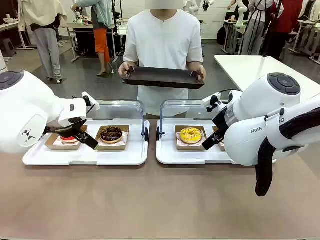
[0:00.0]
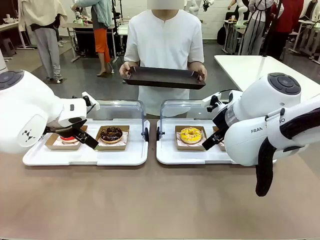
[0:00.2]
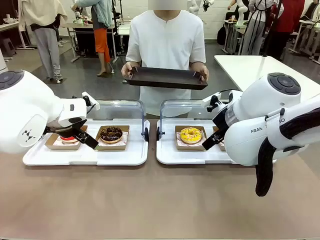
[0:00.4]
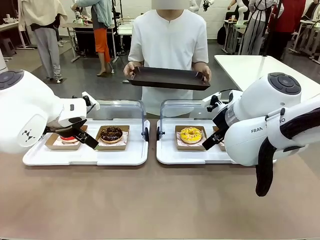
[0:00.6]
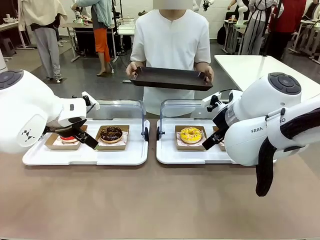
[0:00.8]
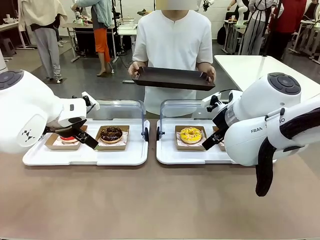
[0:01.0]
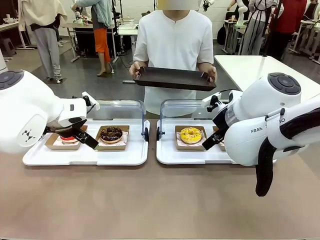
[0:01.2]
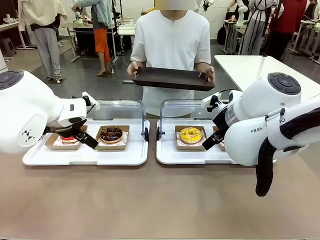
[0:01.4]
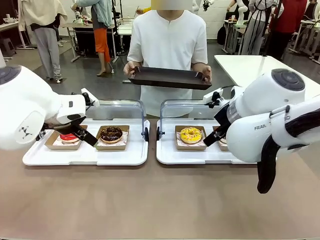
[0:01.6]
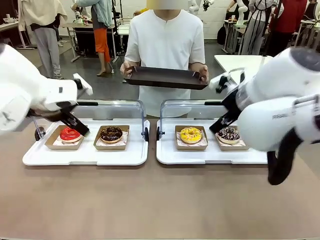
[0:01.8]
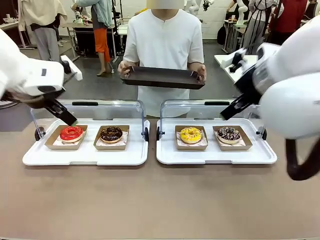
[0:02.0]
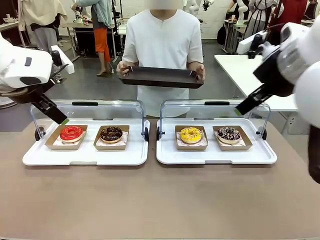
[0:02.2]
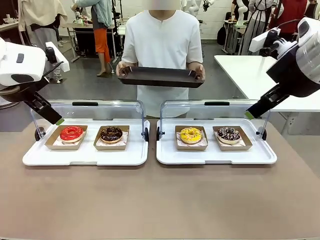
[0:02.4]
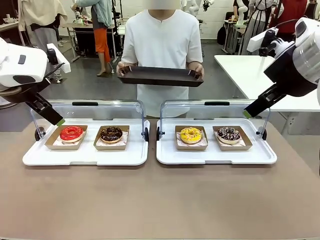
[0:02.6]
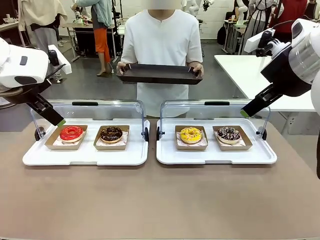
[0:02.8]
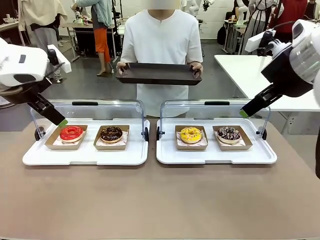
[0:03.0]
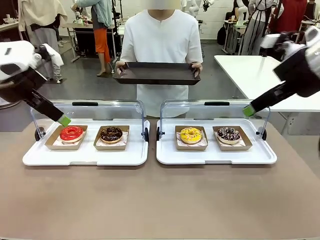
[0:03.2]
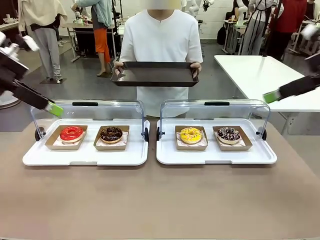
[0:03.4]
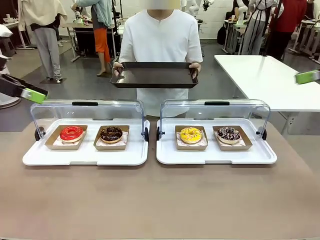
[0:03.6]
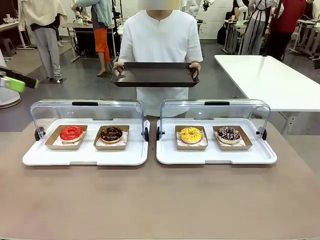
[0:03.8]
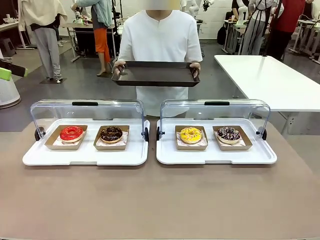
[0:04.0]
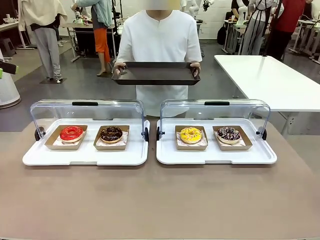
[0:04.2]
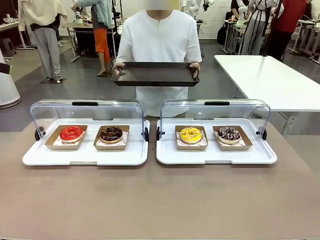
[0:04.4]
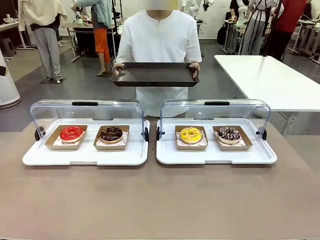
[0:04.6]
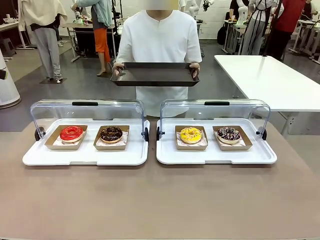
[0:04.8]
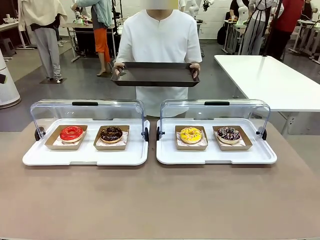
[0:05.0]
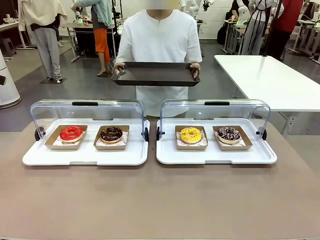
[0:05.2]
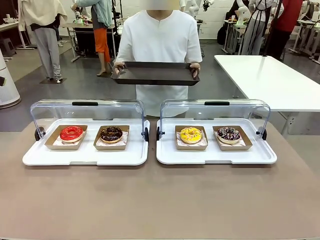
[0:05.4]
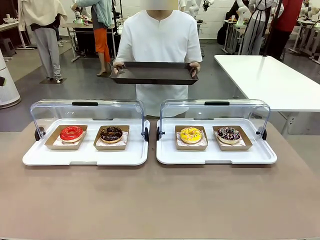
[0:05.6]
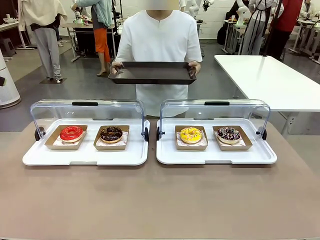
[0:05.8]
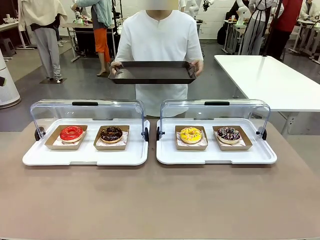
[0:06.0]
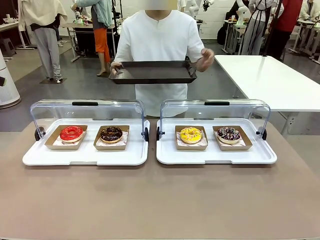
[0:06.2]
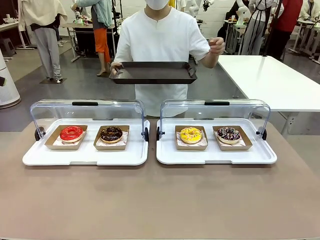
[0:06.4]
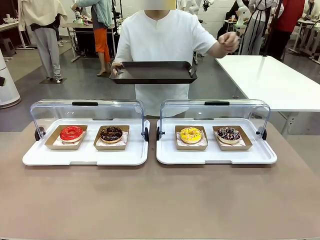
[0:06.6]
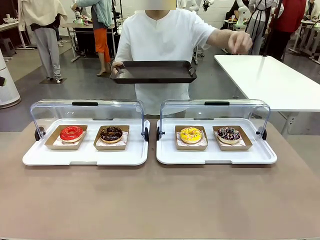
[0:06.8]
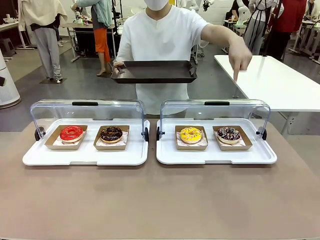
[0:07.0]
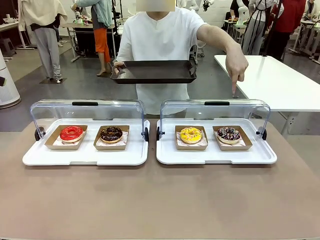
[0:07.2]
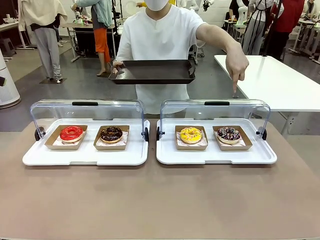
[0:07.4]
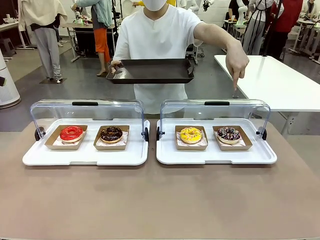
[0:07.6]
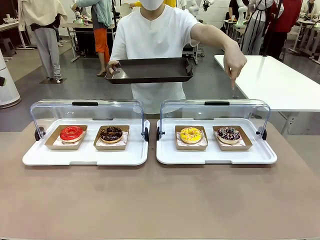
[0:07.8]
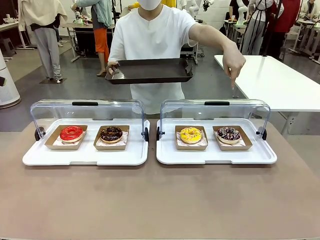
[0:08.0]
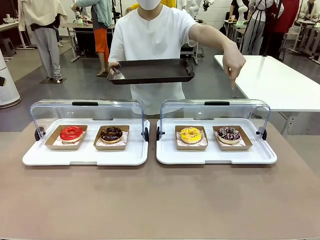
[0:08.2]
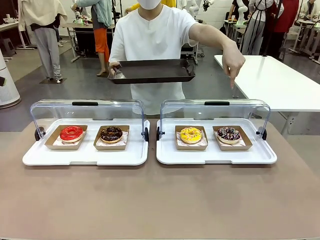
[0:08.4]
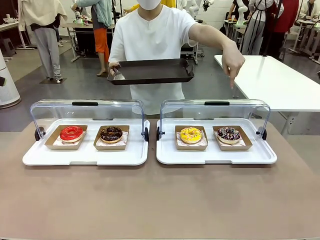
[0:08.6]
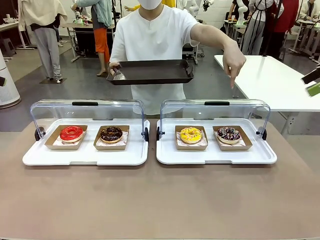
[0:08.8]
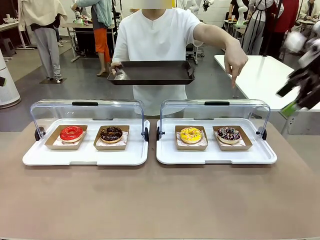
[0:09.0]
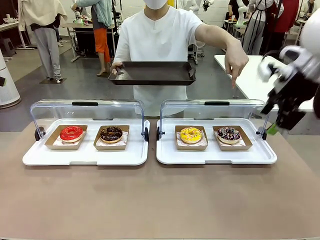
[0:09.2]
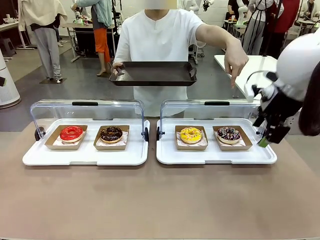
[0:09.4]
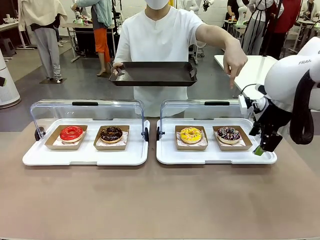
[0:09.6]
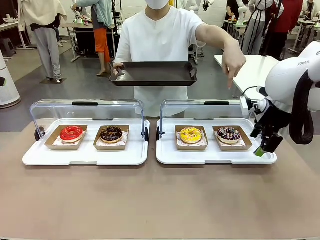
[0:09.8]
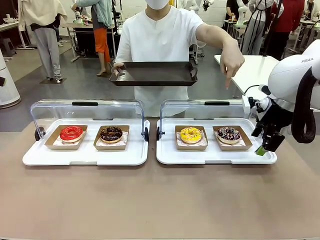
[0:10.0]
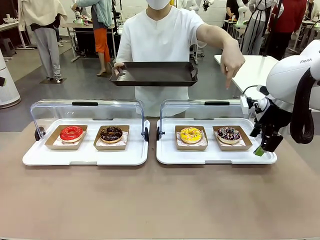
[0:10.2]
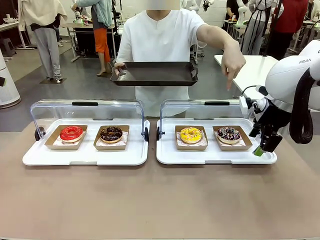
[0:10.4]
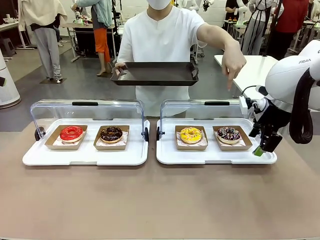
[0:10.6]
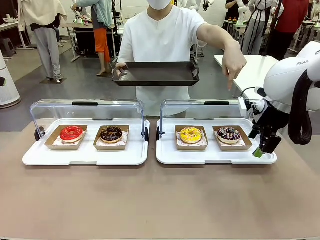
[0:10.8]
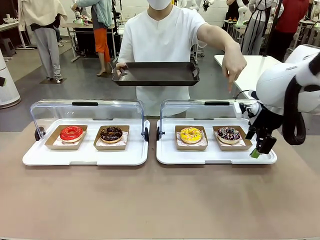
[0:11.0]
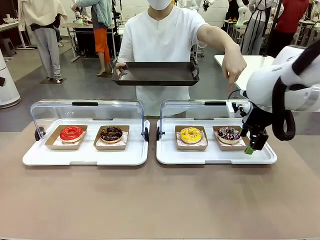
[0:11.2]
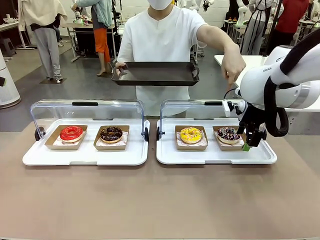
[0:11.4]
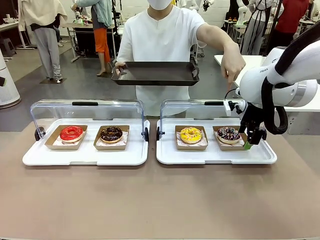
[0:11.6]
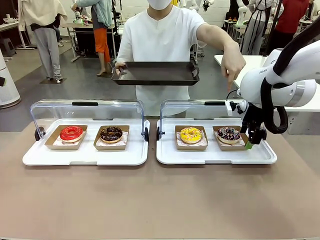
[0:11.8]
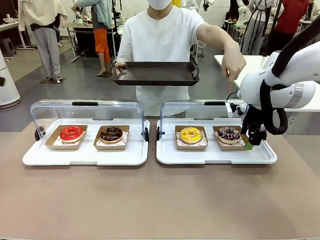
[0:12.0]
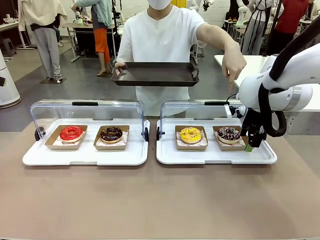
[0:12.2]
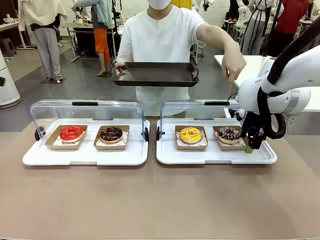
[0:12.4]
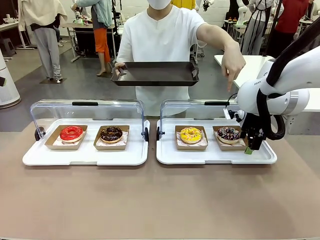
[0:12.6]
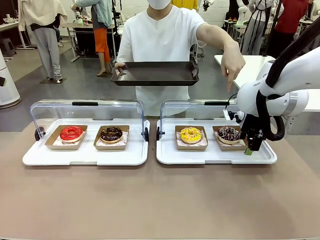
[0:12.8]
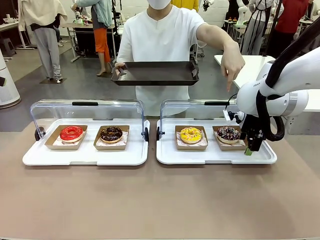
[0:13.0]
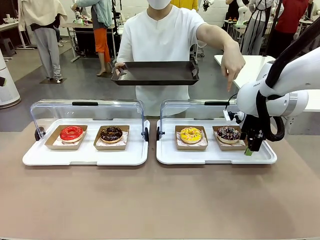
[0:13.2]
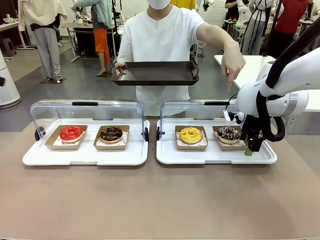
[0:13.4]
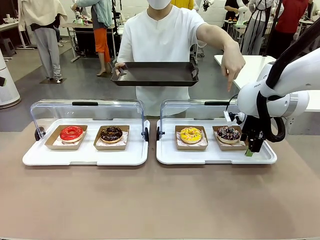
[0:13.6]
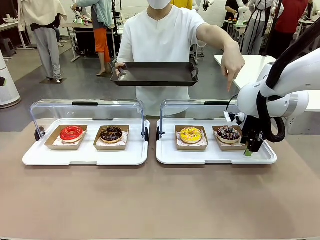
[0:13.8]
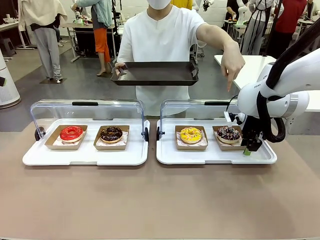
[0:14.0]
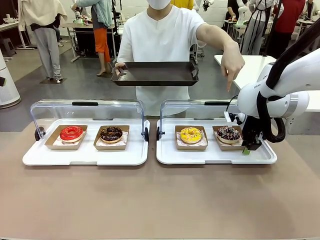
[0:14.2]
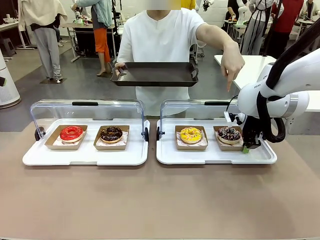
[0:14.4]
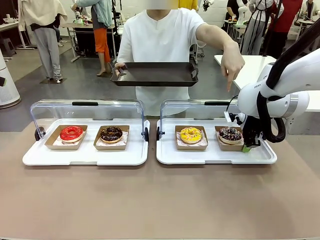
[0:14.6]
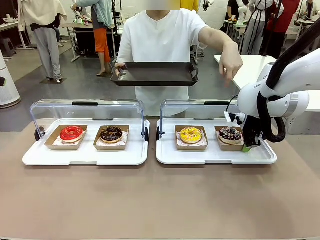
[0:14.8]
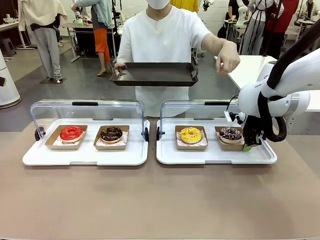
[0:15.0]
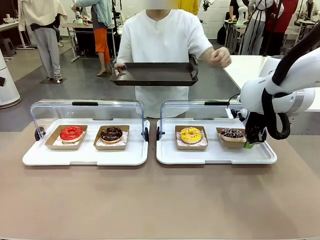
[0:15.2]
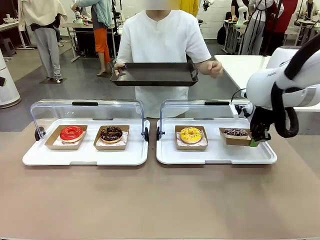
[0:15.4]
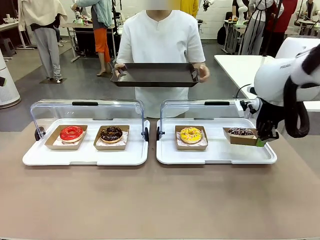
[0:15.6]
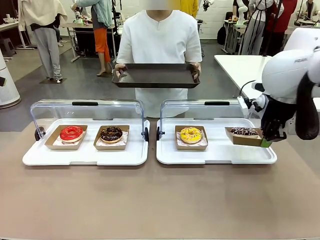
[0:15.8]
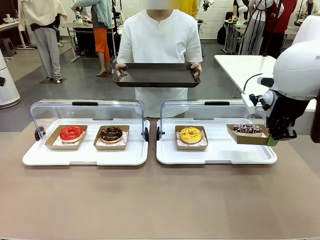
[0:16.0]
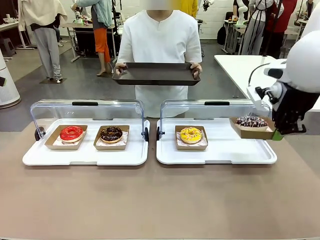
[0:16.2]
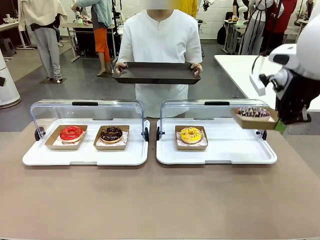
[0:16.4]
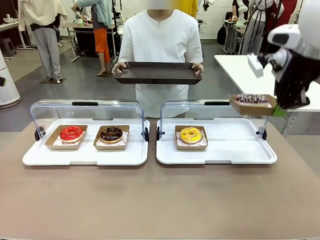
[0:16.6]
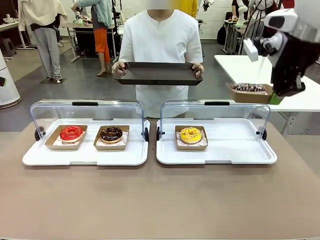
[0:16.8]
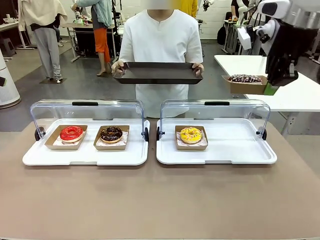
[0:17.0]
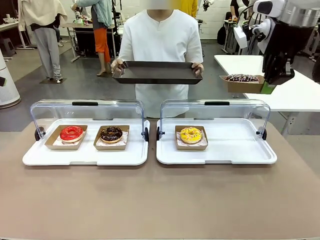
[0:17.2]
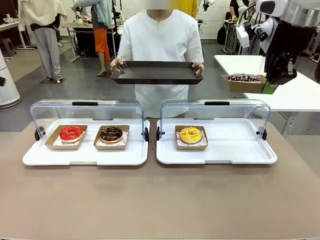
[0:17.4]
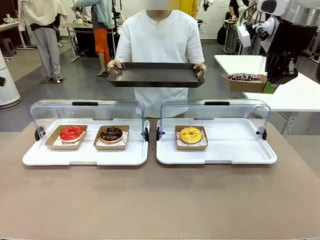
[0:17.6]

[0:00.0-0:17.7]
Task: Provide the desired donut to the person.
Robot: Pick up and lift the Paper togo box containing the Donut pointed at by the person.
Person: Point to one donut. Lift the tray onto the Roll-Top Bakery Case.

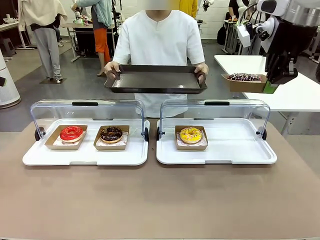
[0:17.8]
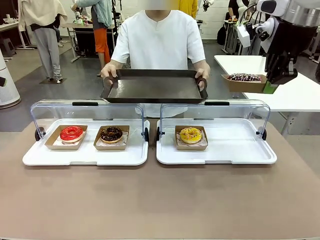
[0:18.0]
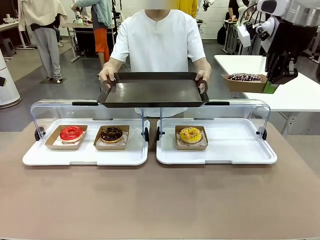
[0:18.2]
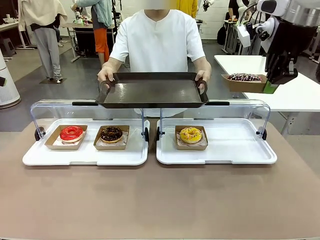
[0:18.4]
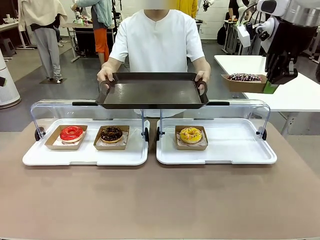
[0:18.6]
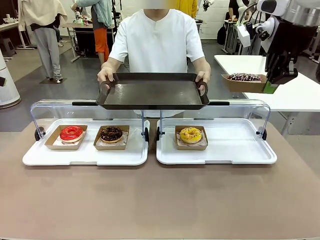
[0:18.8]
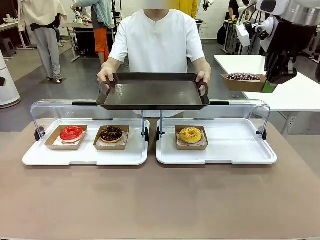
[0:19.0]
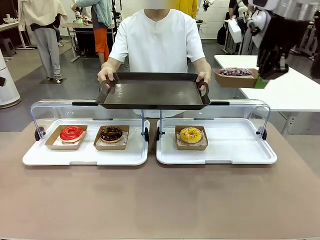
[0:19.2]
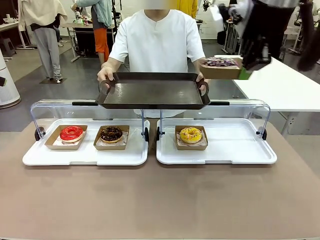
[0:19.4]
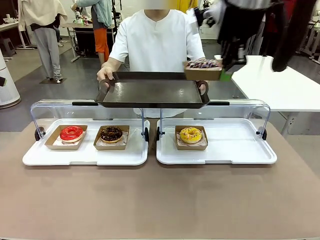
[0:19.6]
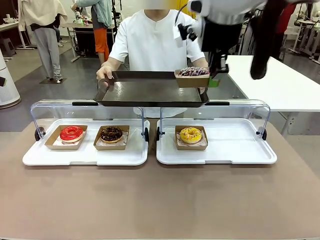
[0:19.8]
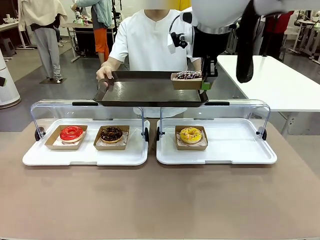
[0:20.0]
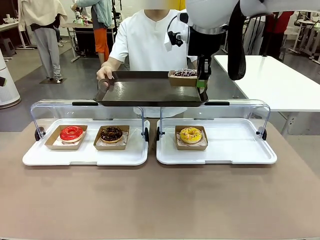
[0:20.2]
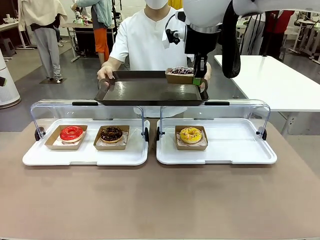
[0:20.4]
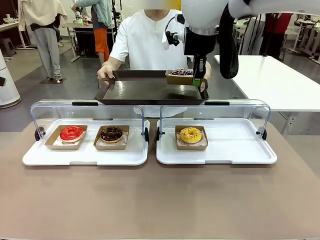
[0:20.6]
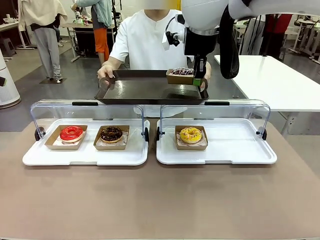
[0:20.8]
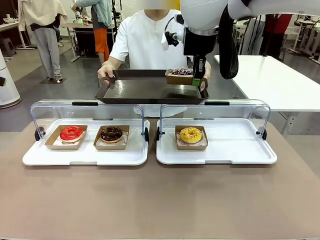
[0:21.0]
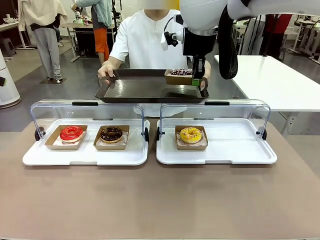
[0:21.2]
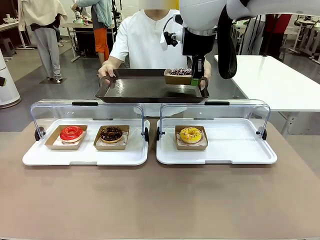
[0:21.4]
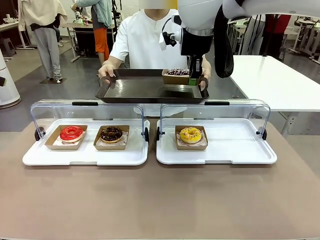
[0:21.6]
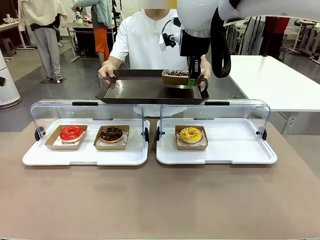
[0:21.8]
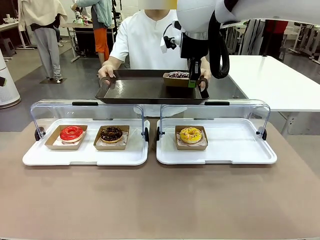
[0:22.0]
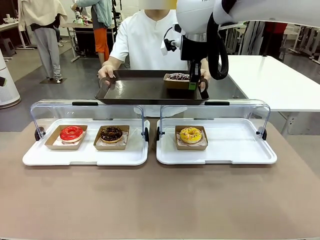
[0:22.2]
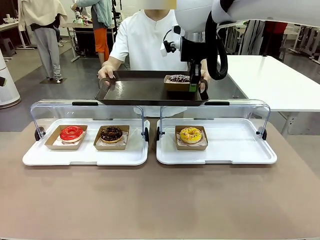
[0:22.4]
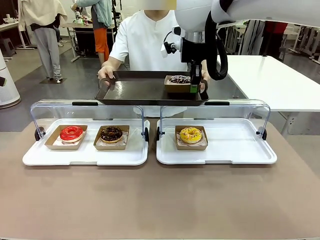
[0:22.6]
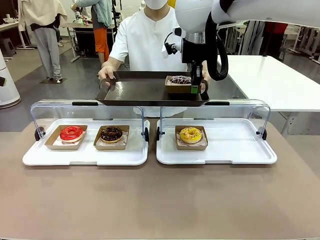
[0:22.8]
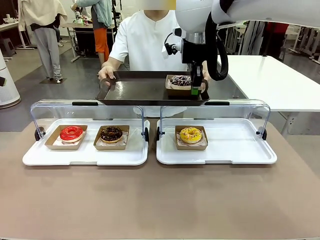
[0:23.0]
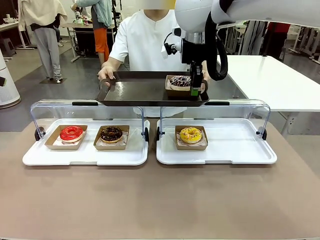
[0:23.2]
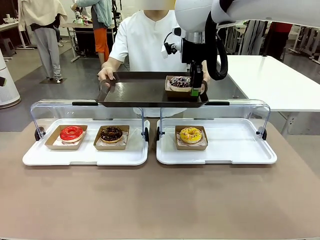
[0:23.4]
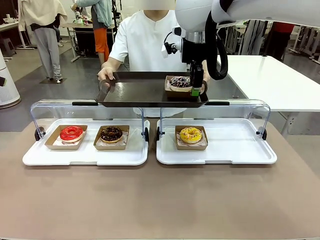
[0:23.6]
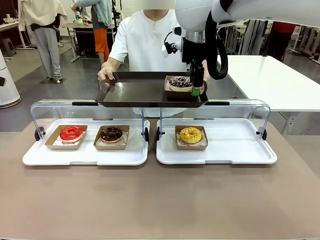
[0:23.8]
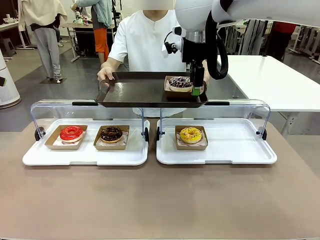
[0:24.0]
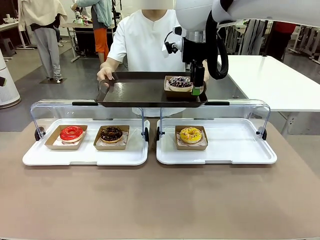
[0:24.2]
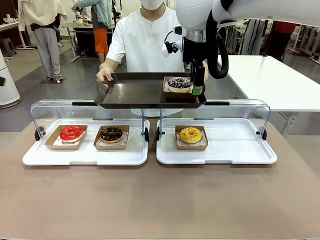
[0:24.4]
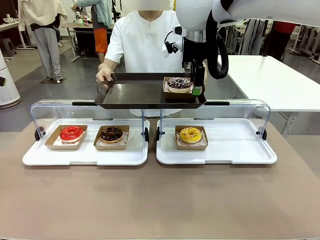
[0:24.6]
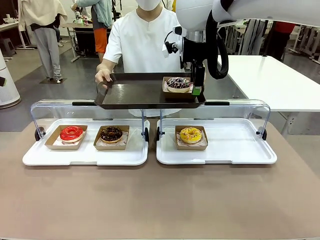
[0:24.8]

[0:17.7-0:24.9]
Robot: Place the picked Paper togo box onto the Handle tray extended by the person.
